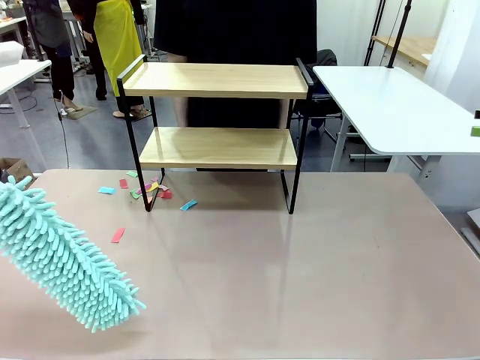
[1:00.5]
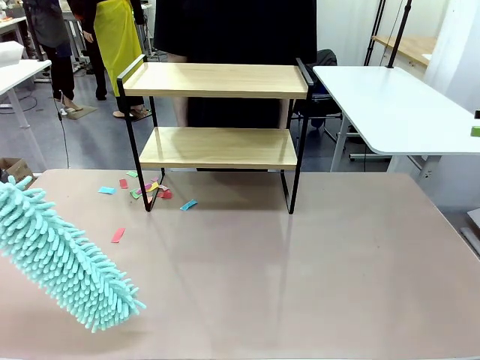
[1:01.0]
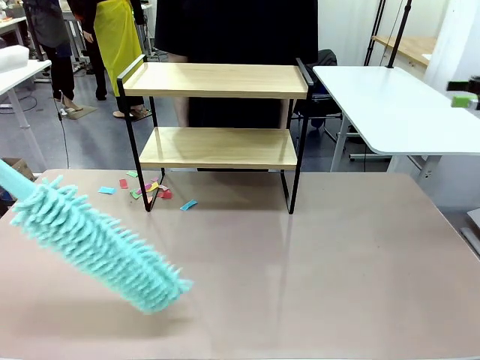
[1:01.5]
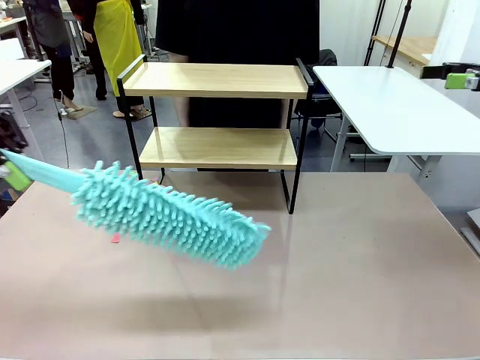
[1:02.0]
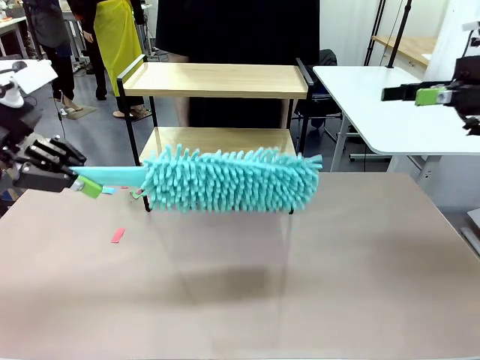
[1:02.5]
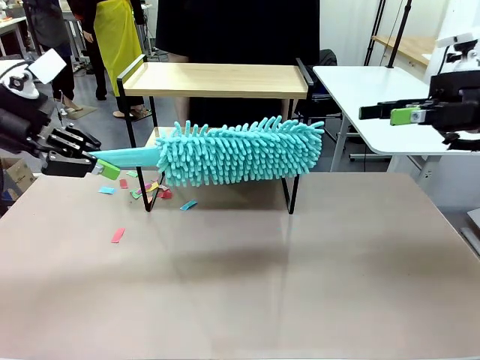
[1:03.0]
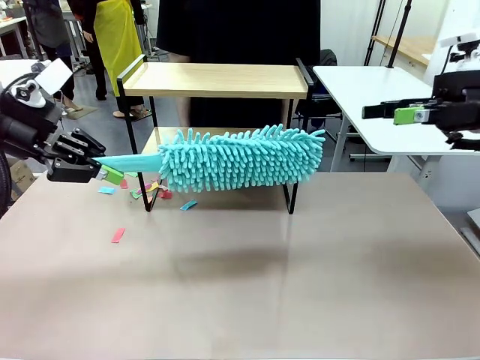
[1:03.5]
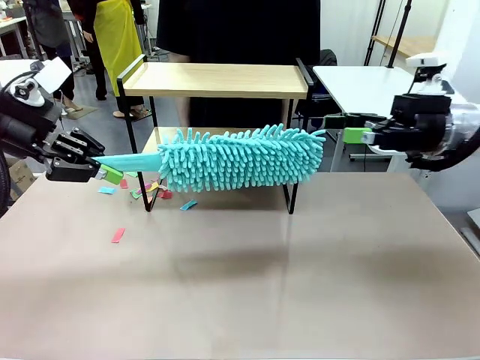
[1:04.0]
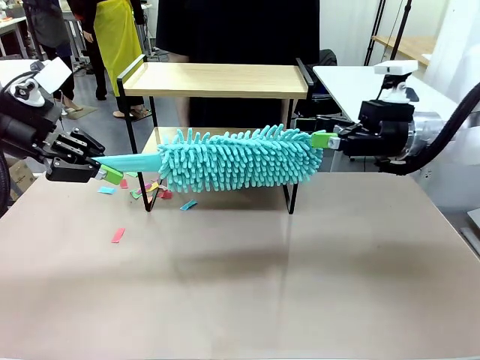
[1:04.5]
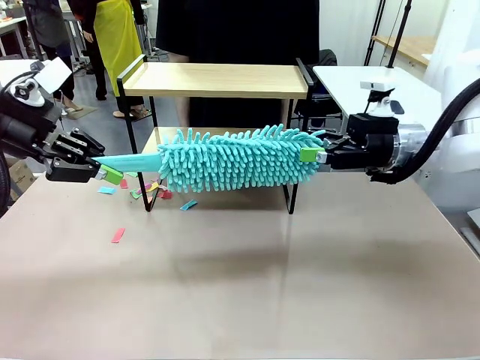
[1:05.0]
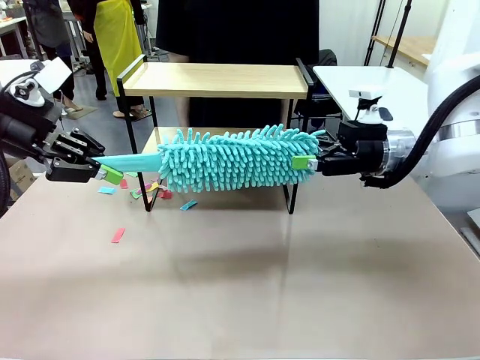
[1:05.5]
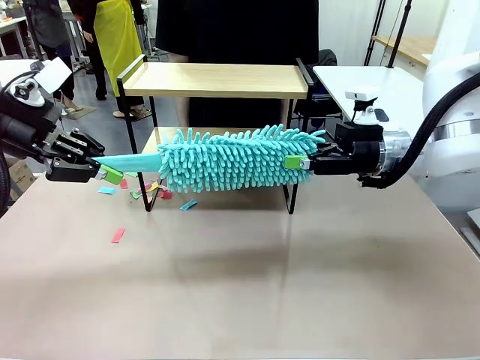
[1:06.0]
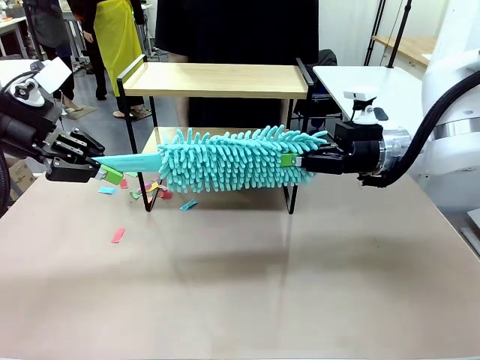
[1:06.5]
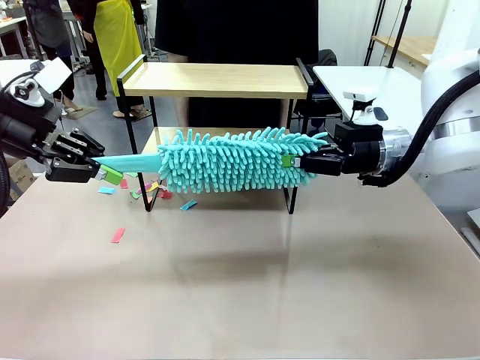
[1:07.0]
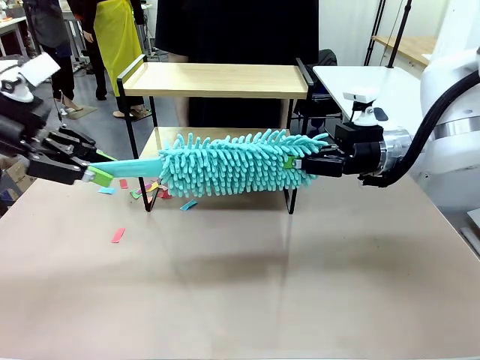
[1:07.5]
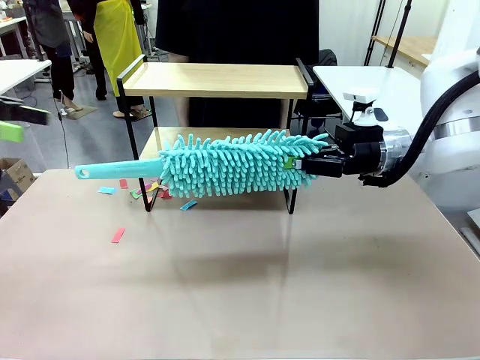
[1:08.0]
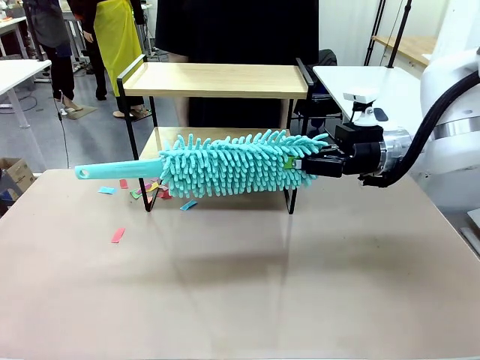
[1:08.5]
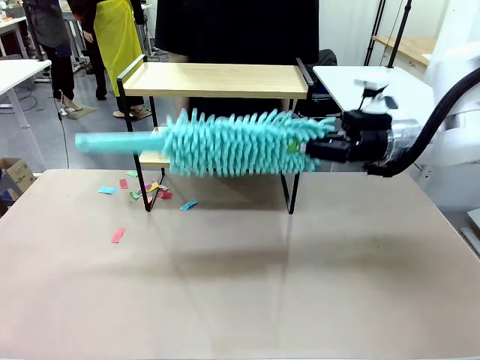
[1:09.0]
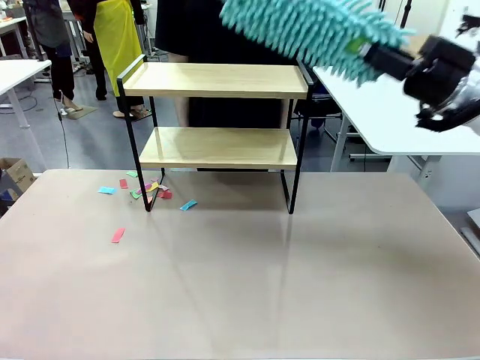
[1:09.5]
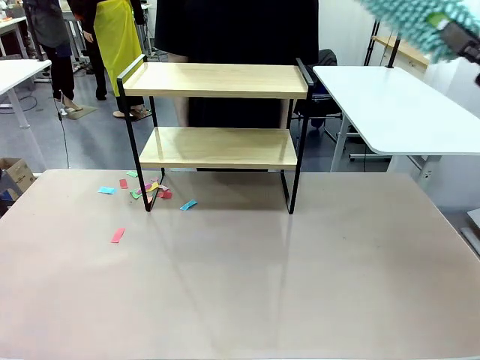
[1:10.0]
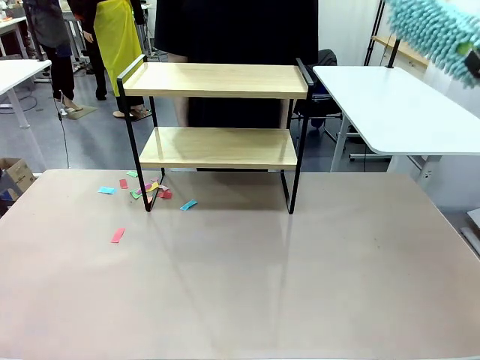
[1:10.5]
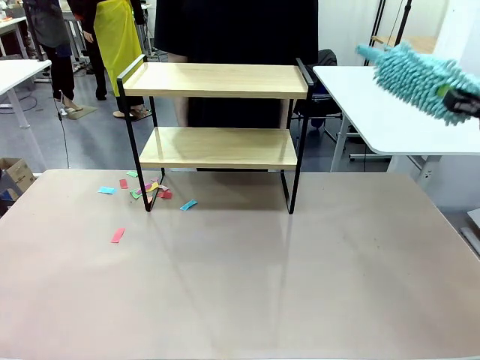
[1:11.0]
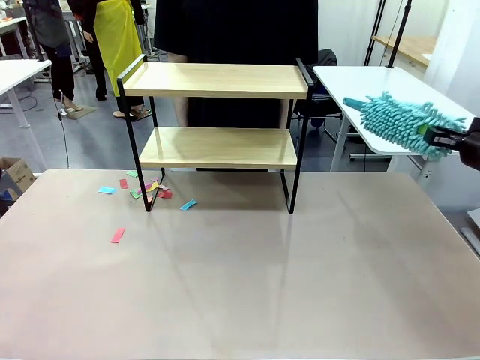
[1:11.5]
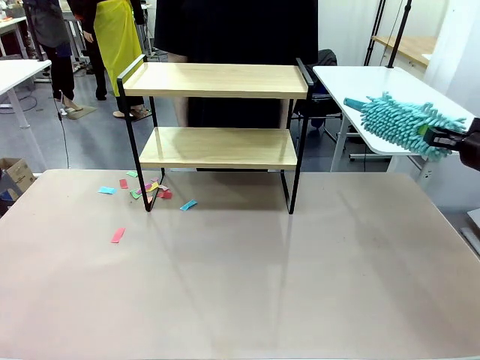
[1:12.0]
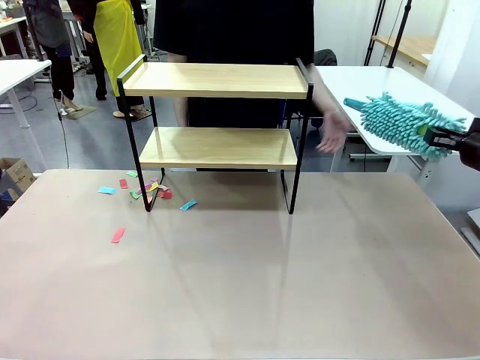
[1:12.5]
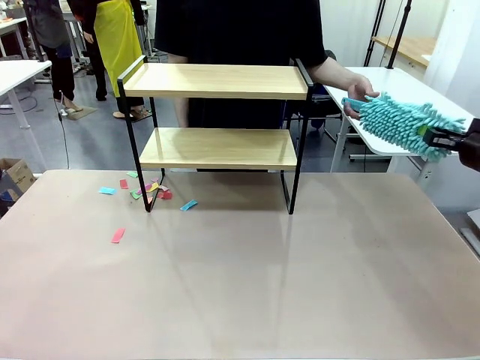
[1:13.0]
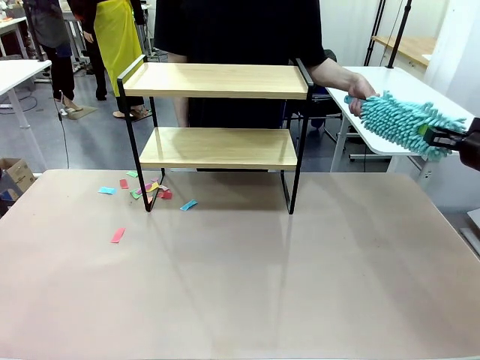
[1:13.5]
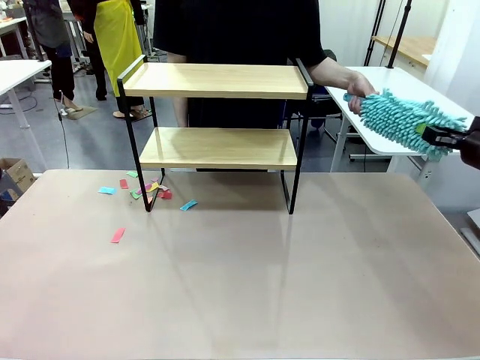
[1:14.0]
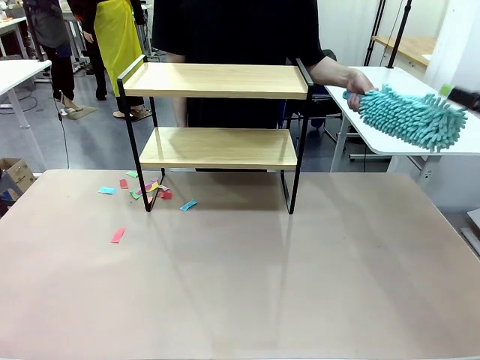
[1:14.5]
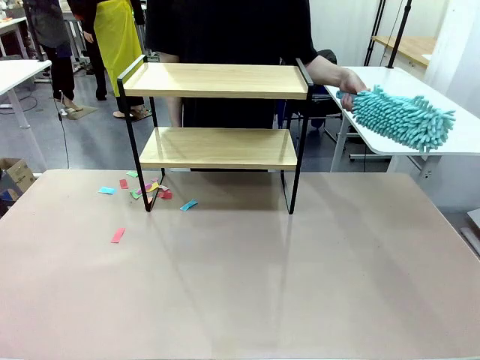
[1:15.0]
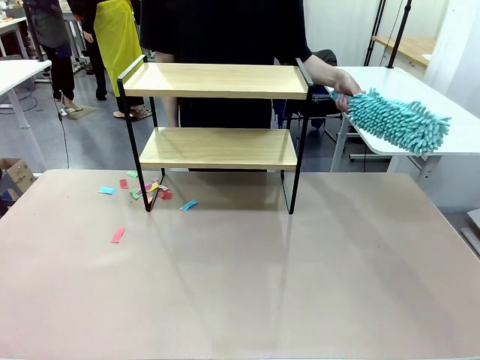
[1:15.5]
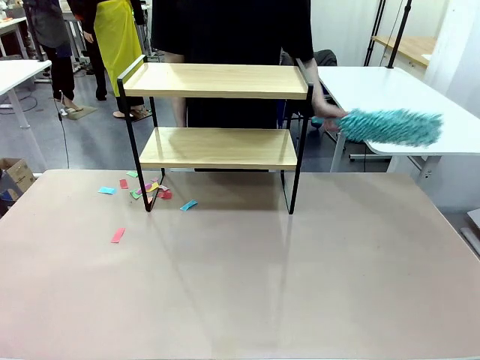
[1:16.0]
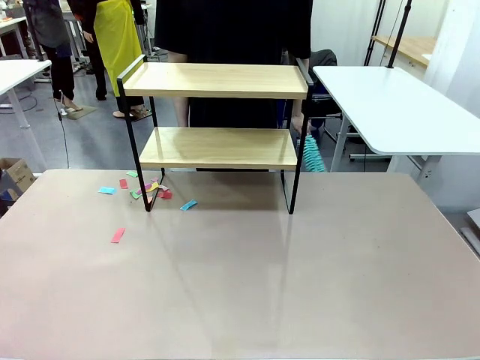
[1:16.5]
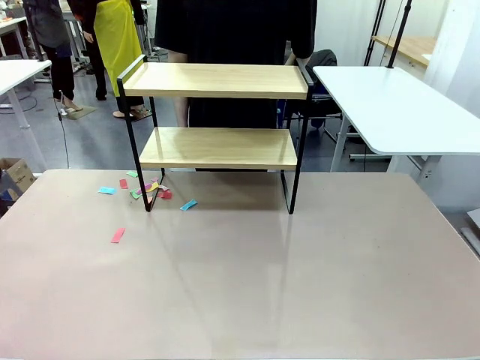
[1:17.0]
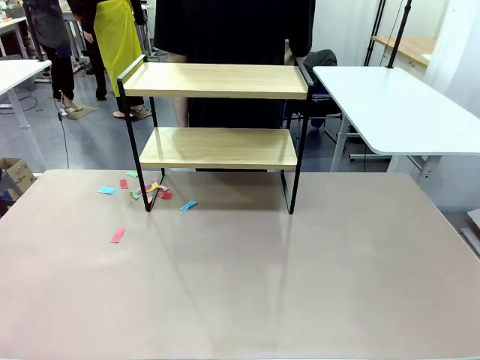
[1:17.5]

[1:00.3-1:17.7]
Task: Clean the shelf.
Robot: Hand the Duster back to the human.
Person: Receive the Duster from the robot.

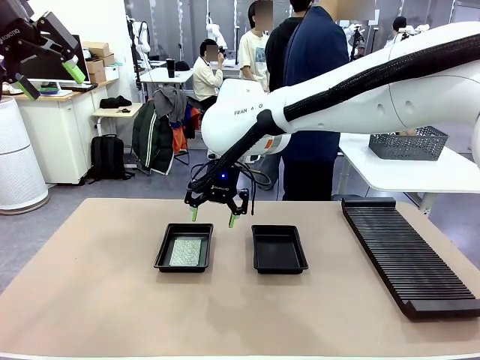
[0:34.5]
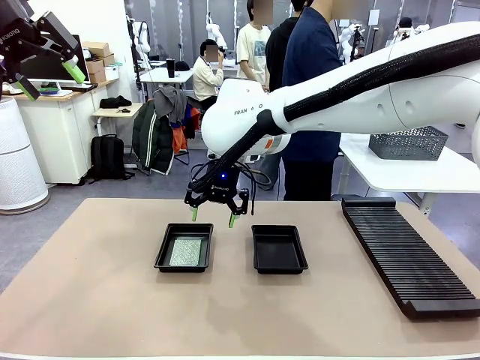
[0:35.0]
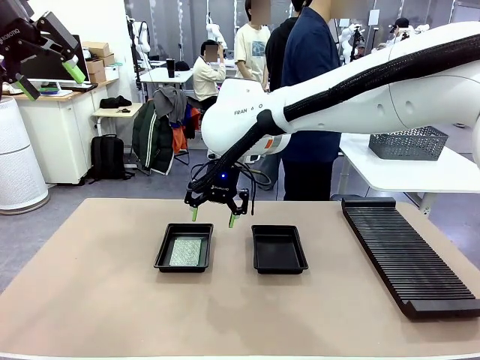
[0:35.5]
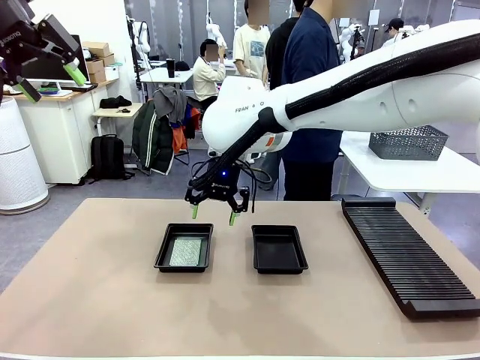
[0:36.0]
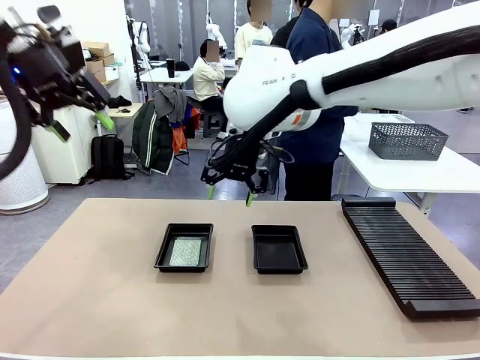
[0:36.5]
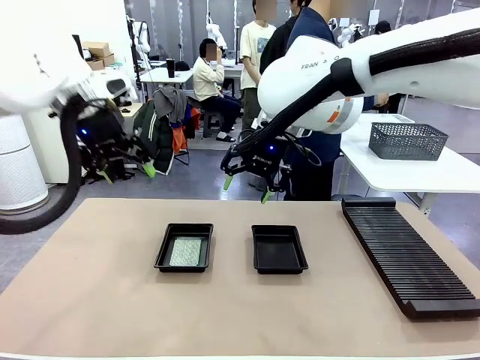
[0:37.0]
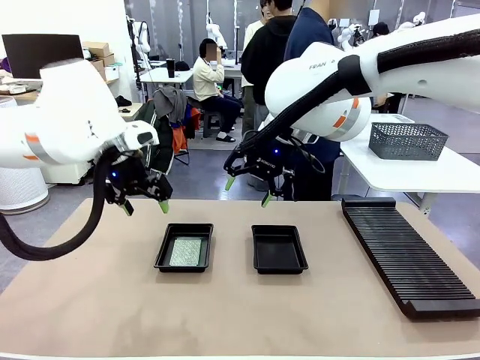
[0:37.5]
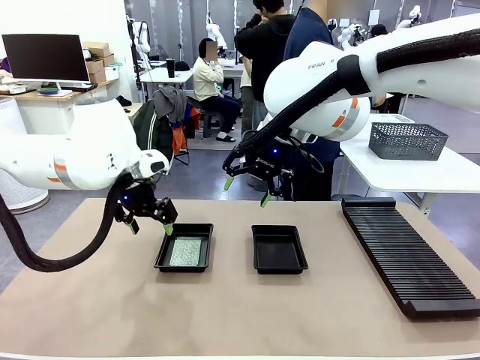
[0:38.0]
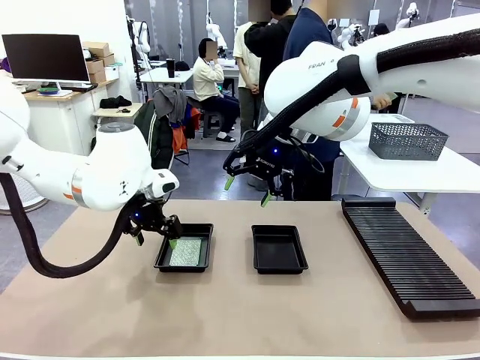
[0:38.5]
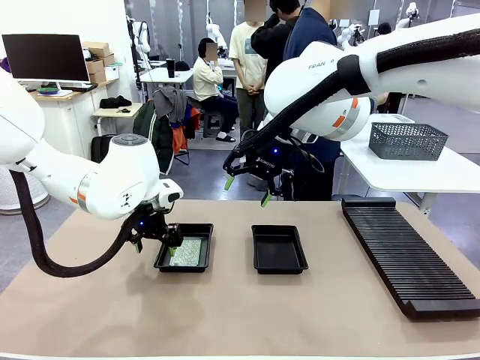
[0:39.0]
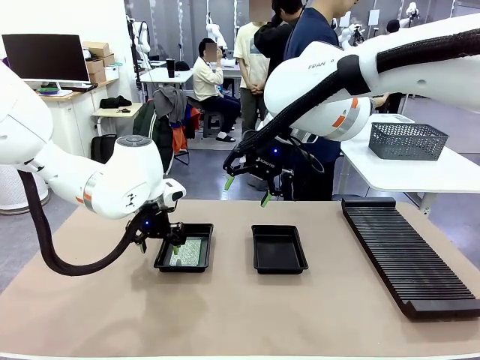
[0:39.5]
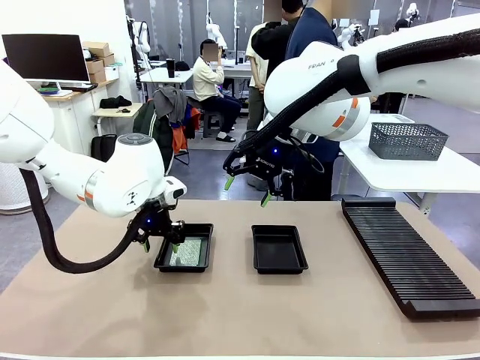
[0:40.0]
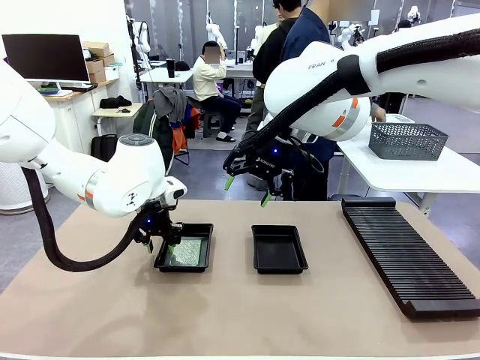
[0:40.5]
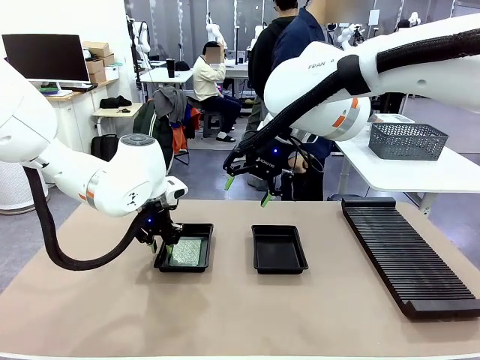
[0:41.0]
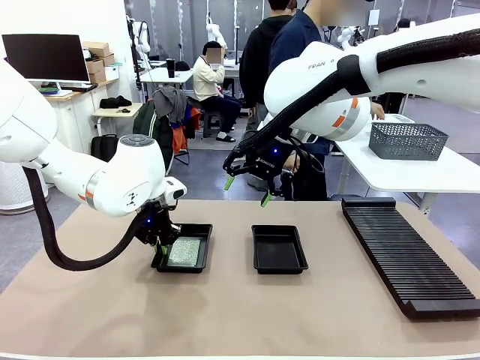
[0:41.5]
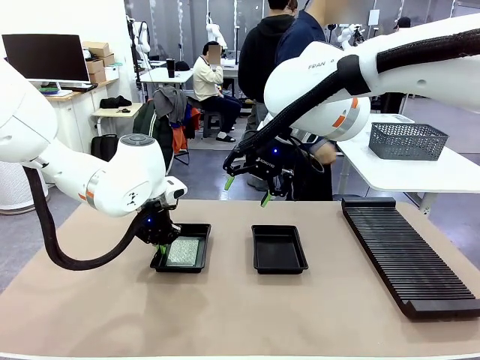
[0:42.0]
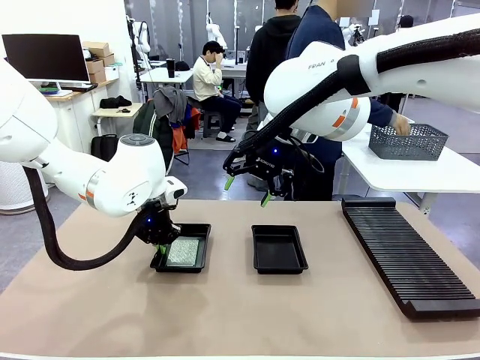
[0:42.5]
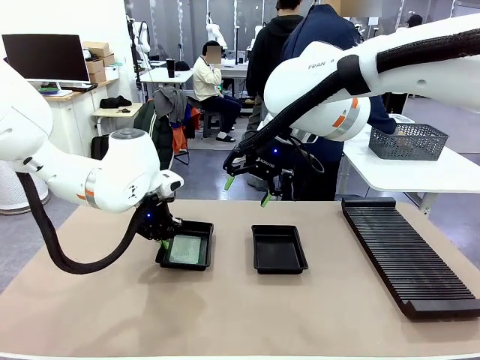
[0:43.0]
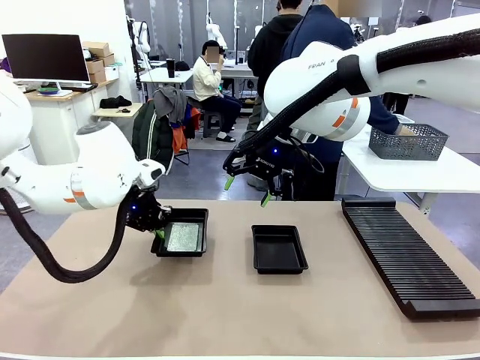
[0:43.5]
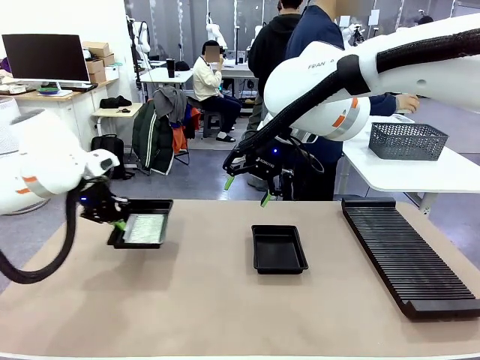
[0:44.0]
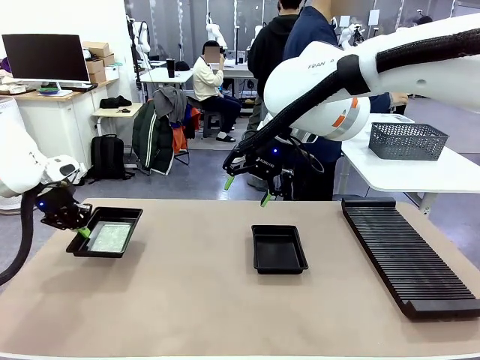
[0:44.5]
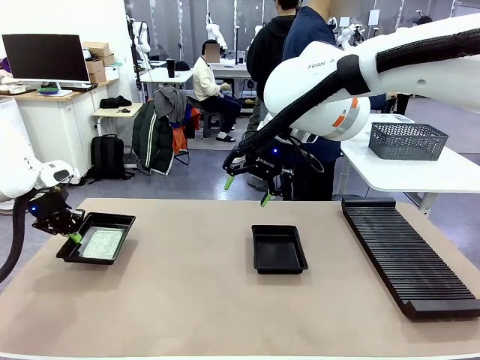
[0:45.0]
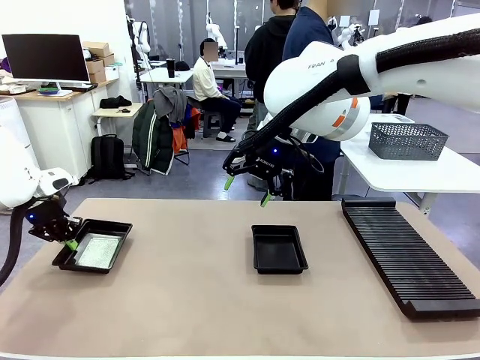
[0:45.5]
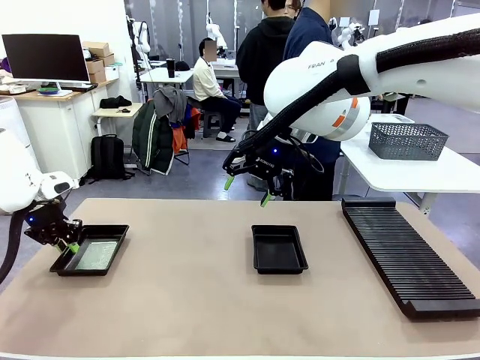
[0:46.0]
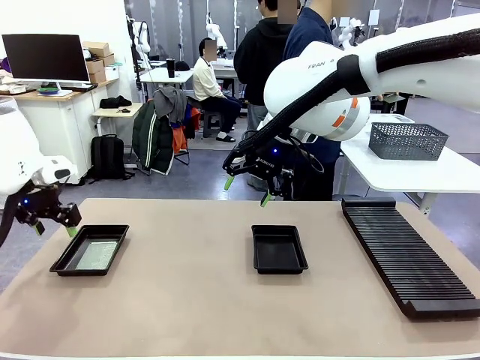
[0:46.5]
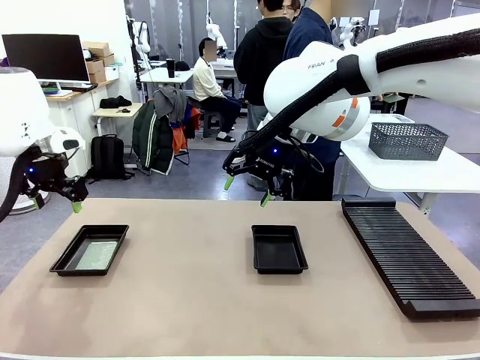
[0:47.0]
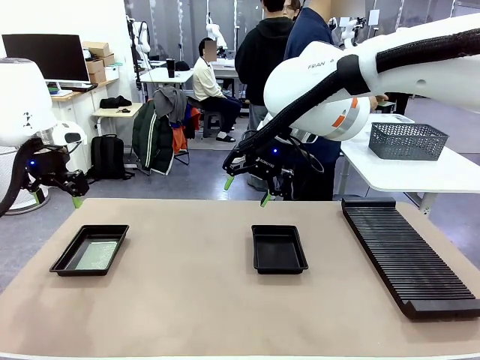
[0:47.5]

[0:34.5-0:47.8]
Task: Inspect and transfer BCBs to ESD trays.
Robot: Pick up the ESD tray and place it on the left side of the table.
